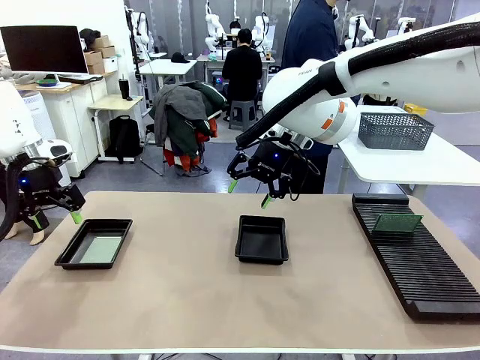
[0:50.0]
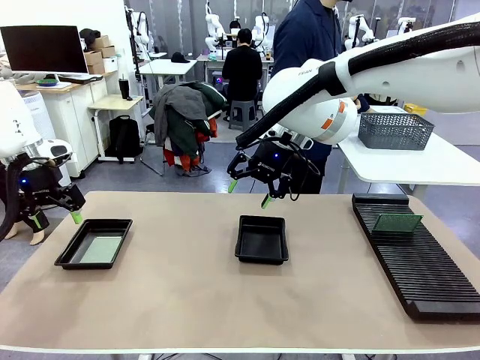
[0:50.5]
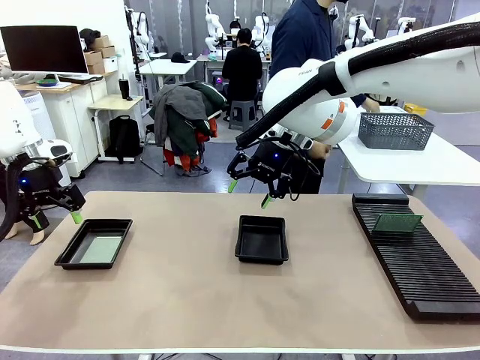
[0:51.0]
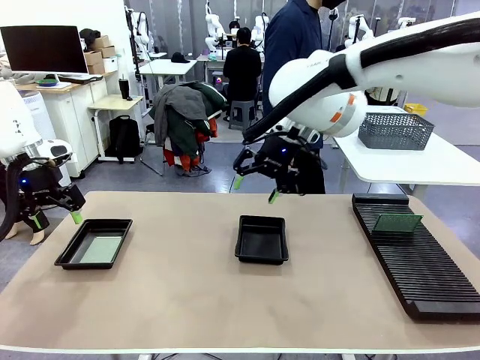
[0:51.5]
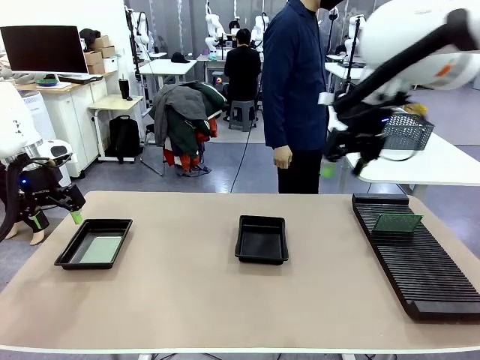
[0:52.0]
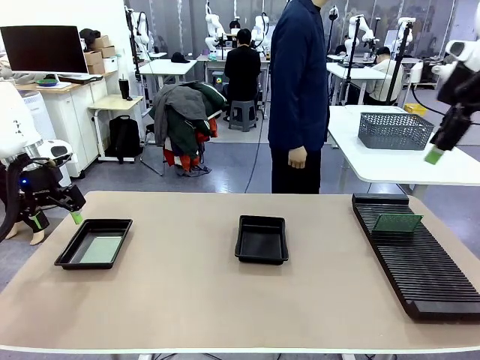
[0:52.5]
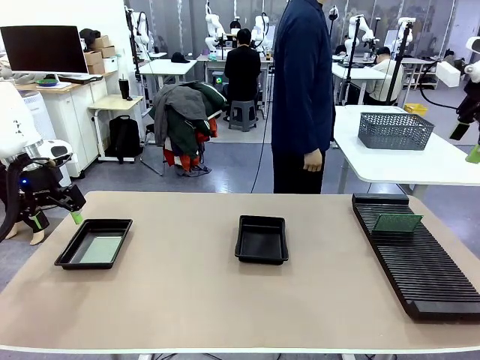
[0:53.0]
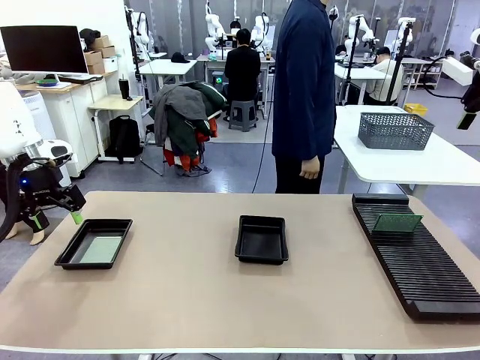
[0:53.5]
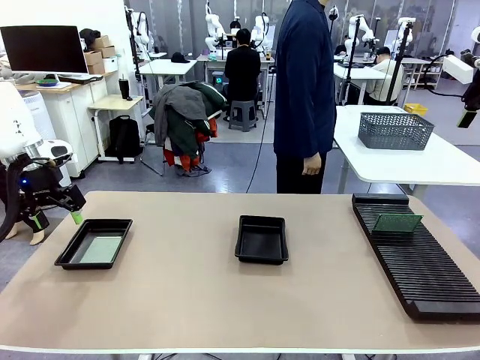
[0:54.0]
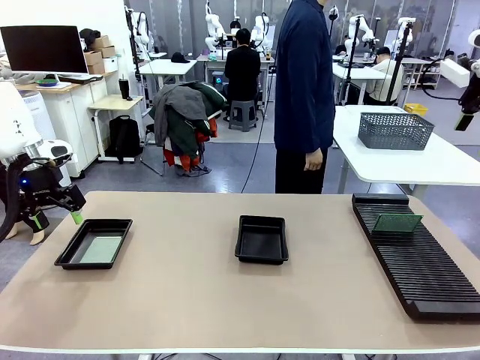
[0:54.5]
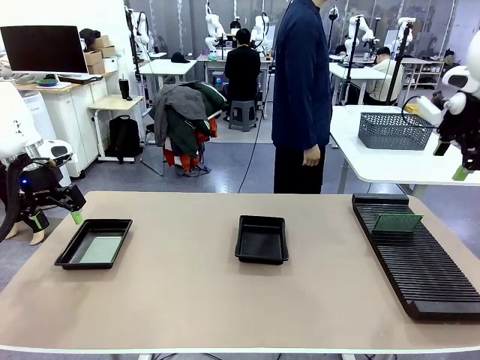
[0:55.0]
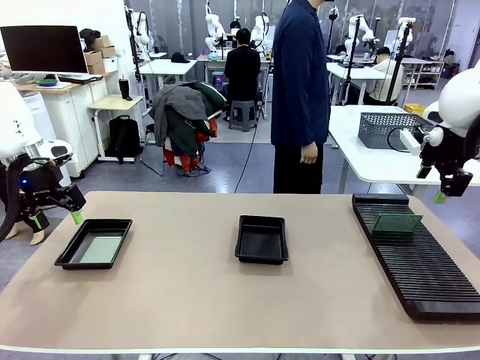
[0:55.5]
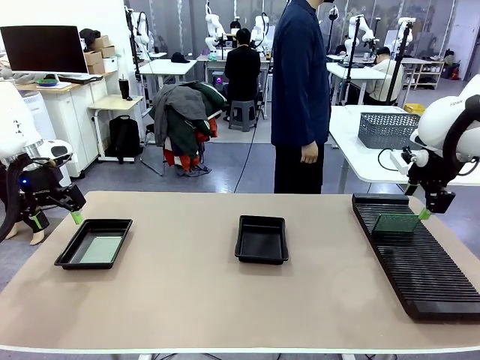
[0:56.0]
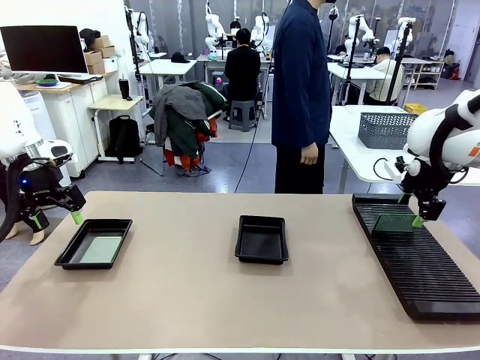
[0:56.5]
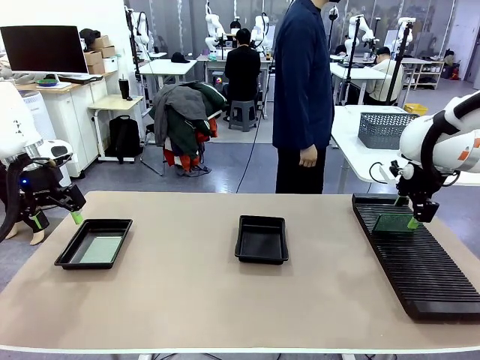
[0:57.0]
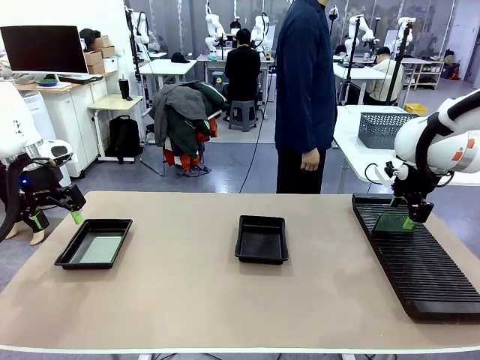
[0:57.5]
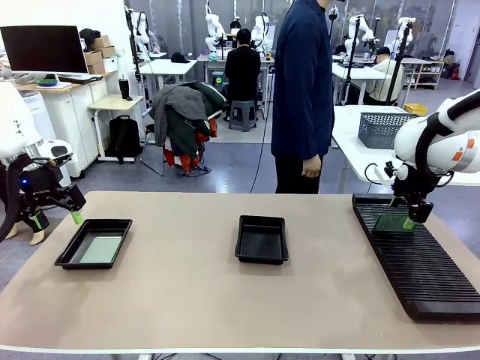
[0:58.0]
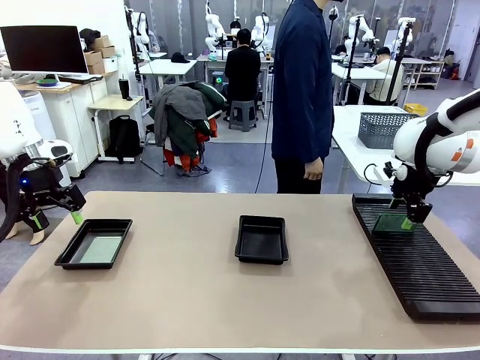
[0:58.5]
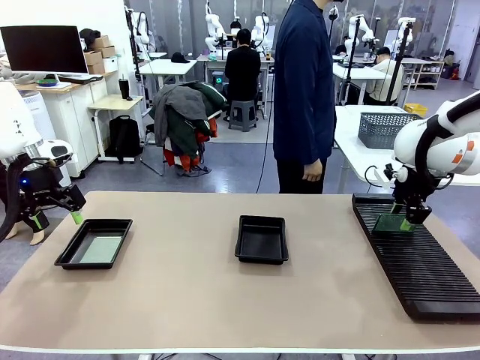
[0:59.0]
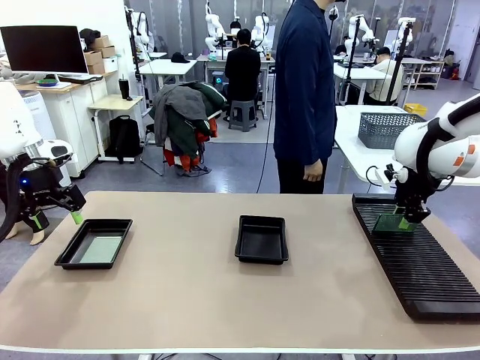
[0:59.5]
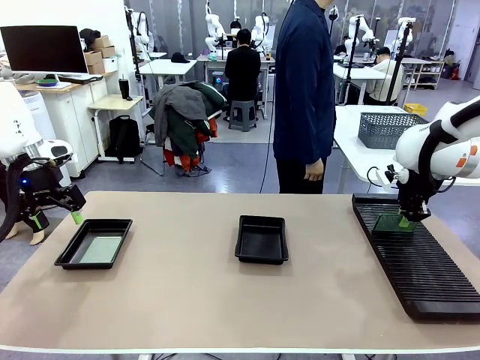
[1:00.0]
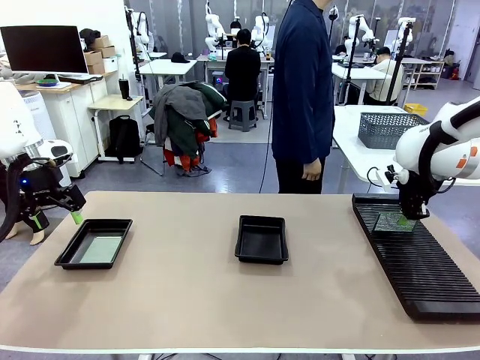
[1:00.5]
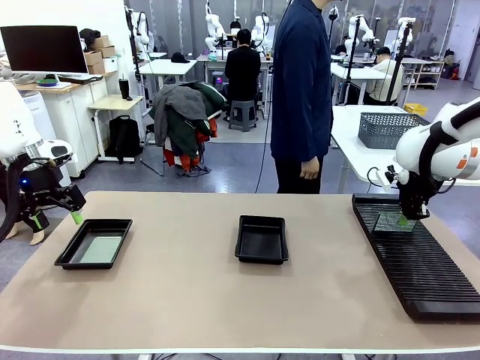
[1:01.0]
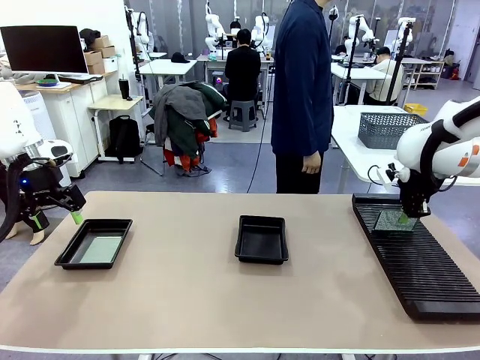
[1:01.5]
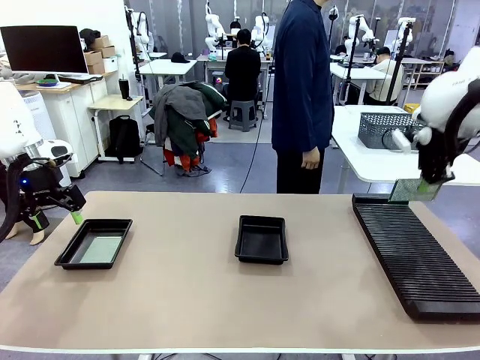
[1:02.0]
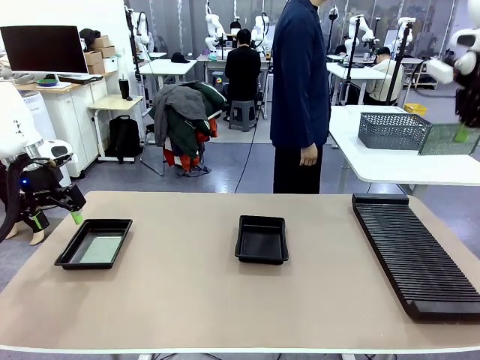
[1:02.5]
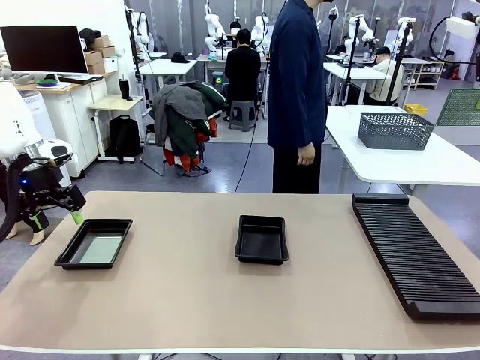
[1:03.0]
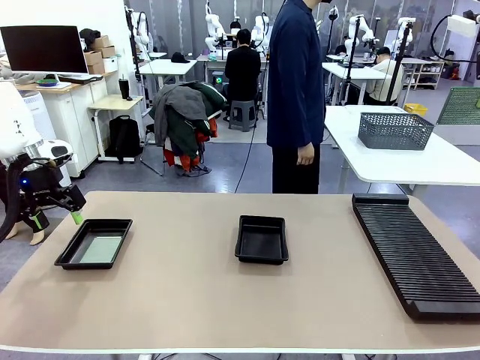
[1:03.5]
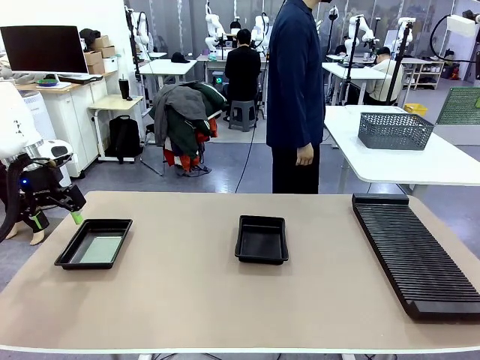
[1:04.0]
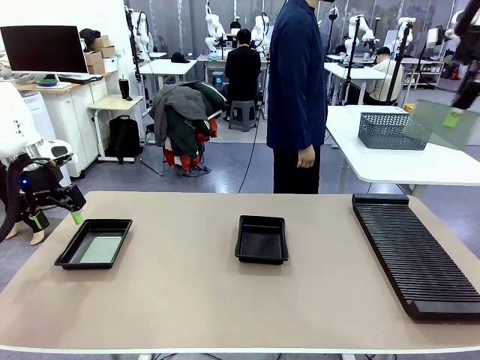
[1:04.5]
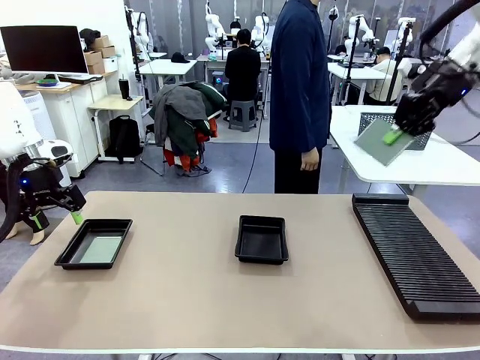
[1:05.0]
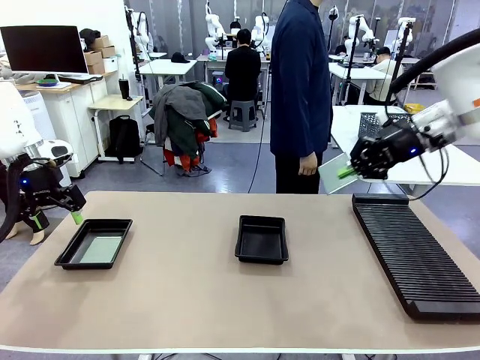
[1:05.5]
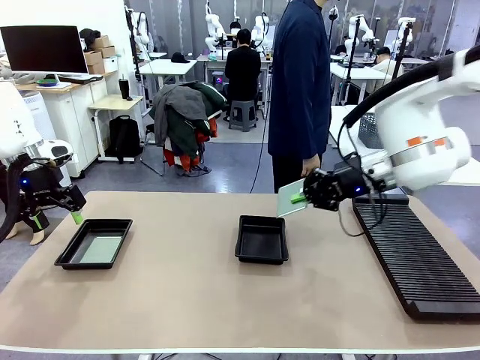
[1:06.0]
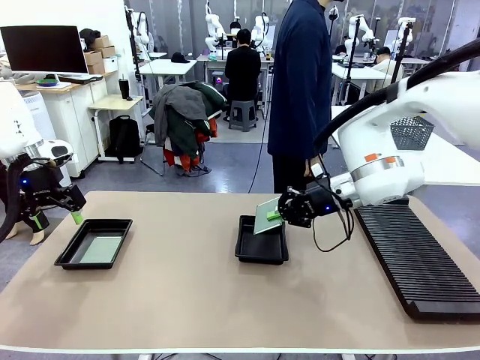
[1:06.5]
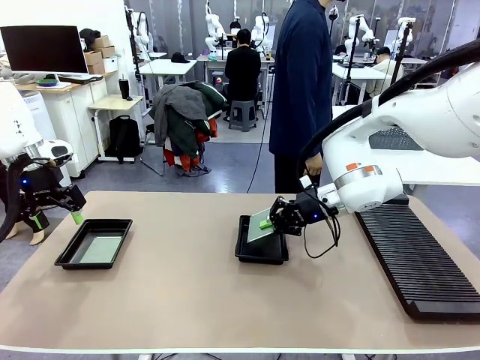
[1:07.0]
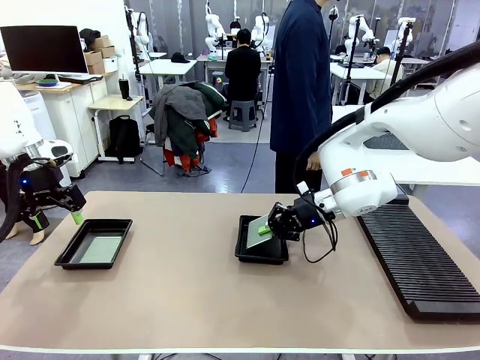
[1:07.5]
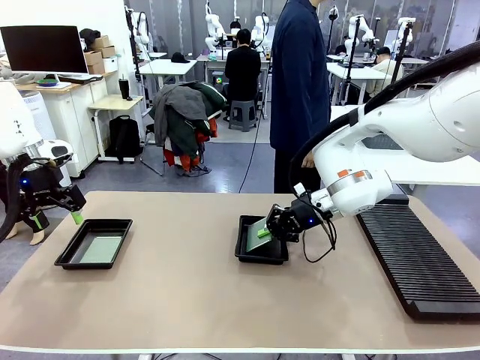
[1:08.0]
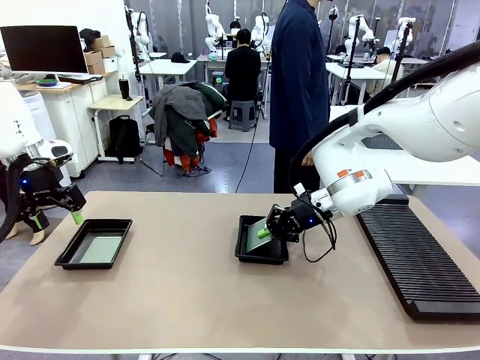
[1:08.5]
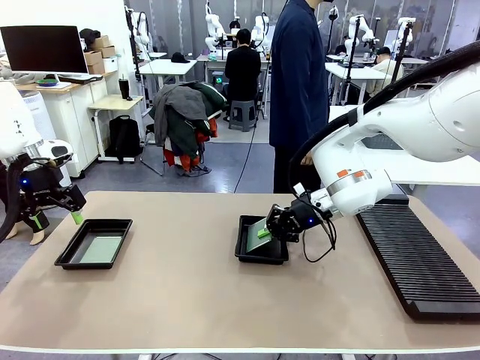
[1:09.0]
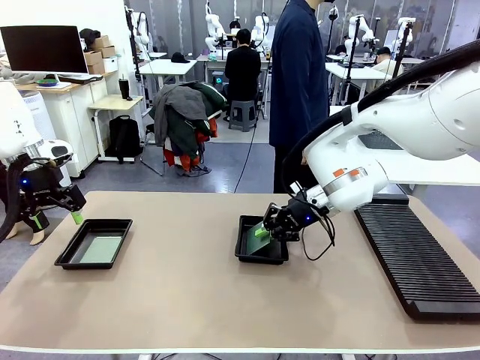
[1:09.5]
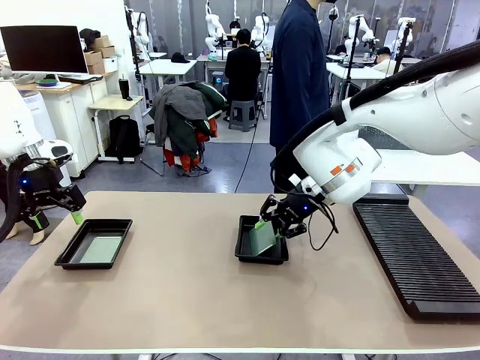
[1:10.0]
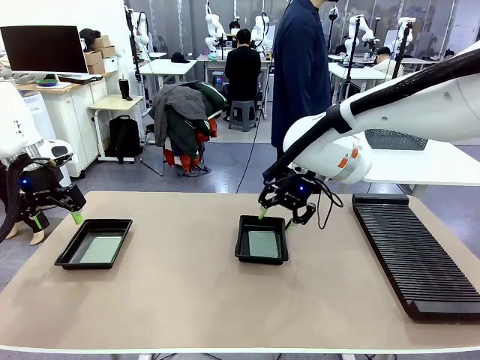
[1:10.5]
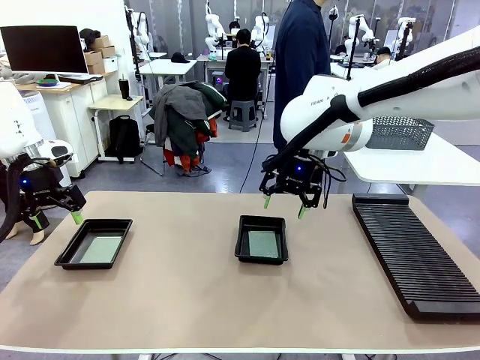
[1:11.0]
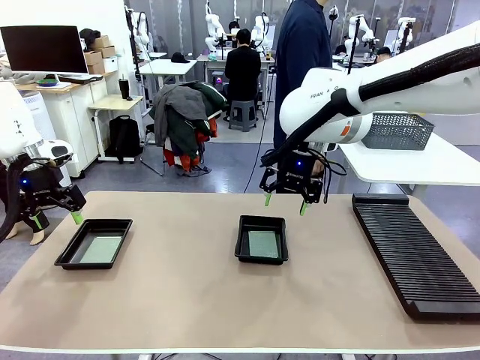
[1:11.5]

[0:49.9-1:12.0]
Task: Inspect and transfer BCBs to ESD trays.
Robot: Pick up the Blank PCB from the PCB Rack and place it in the right ESD tray.

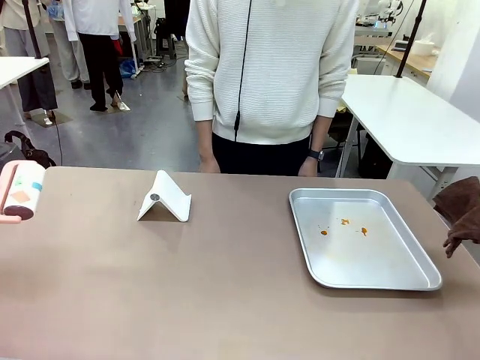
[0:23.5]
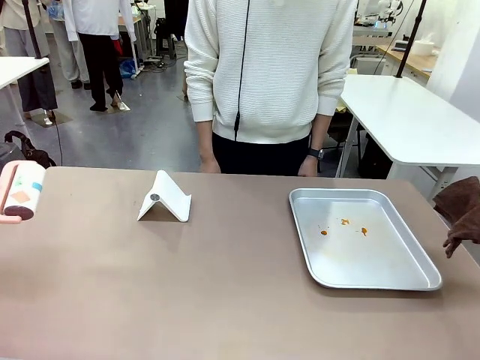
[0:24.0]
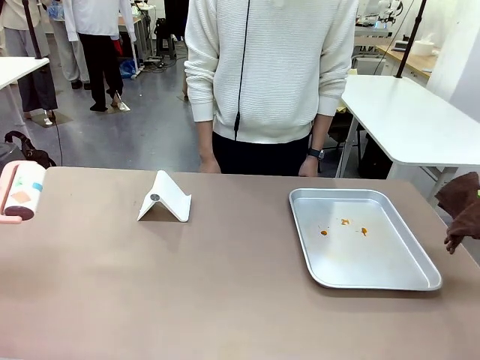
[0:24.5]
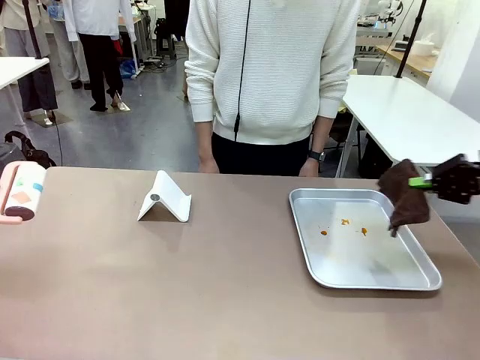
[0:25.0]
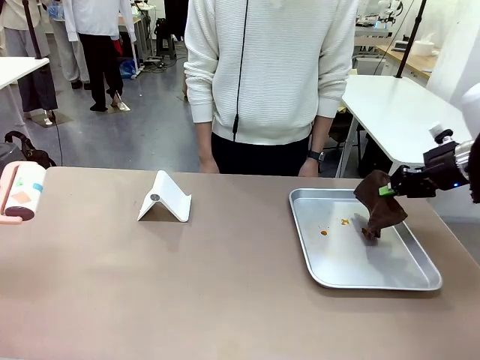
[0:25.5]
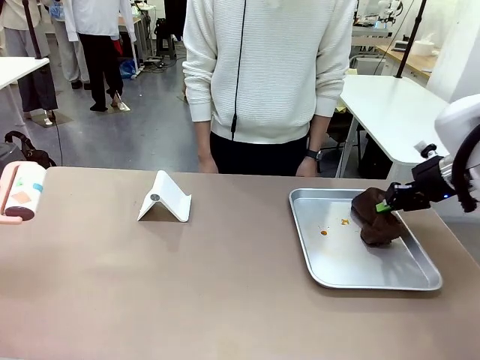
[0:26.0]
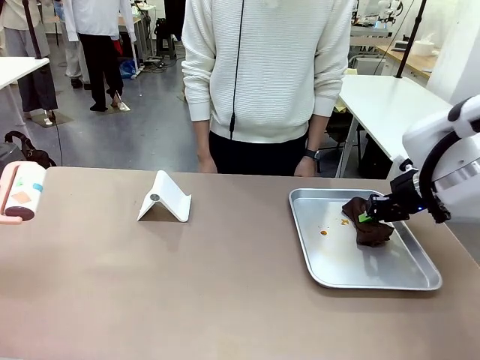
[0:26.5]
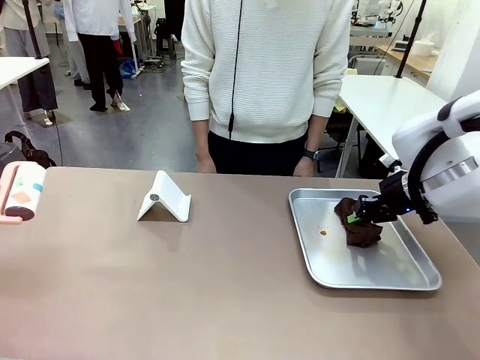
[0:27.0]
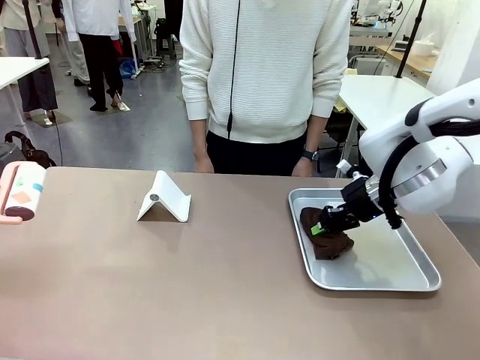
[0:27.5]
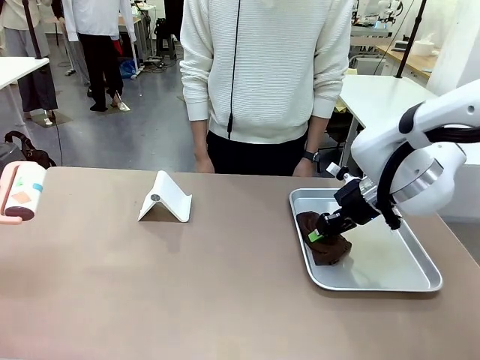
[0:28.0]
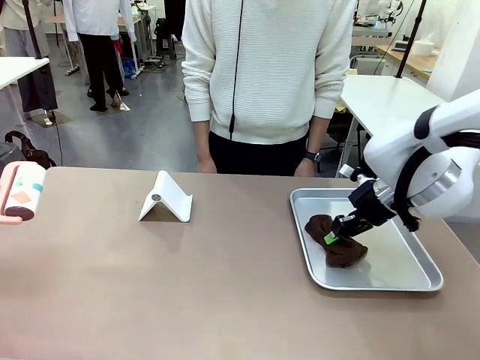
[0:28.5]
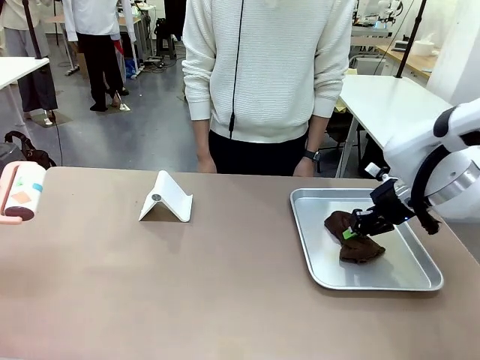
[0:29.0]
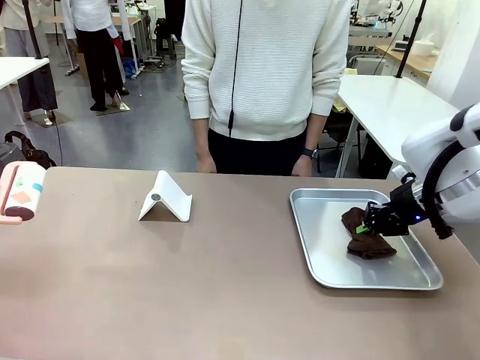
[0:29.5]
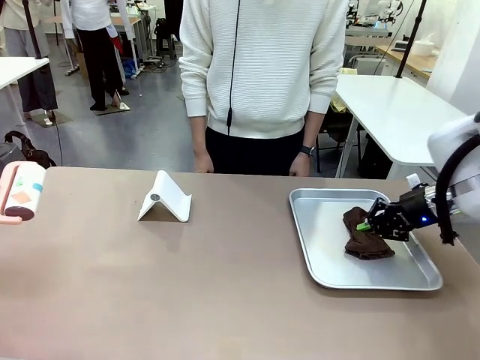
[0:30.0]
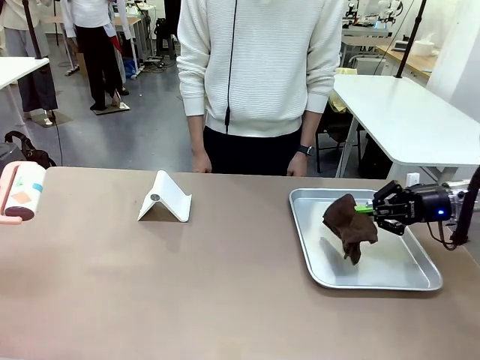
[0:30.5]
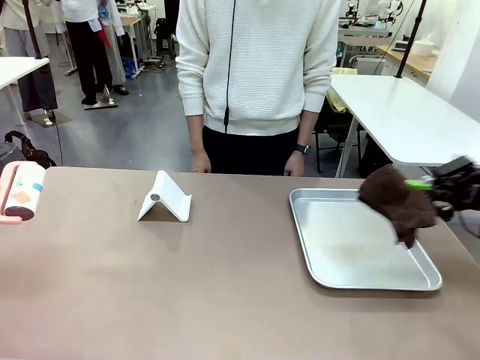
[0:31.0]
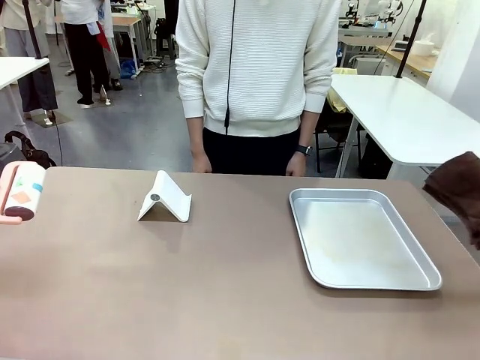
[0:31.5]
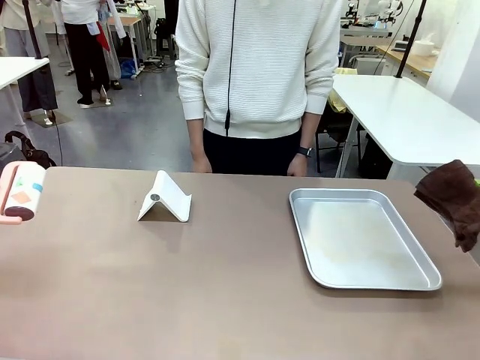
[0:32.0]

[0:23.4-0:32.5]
Task: Clean the surface of the table.
Robot: Clean the area not pointed to by the person.
